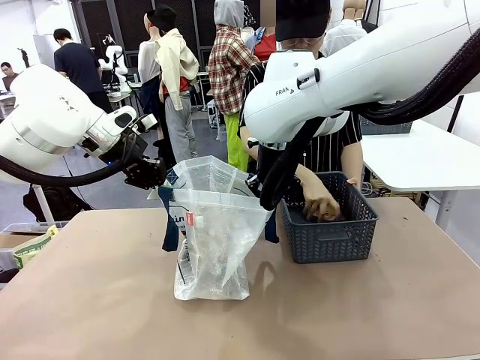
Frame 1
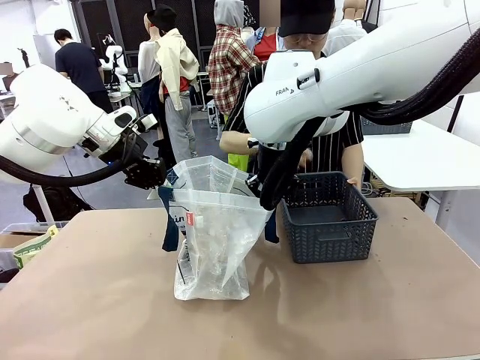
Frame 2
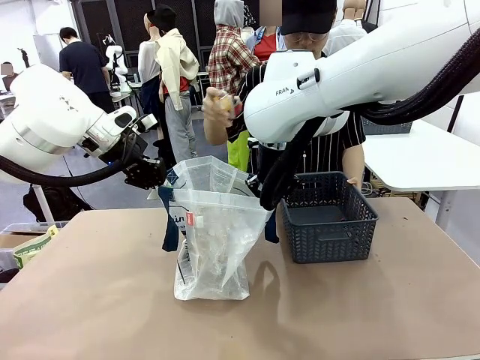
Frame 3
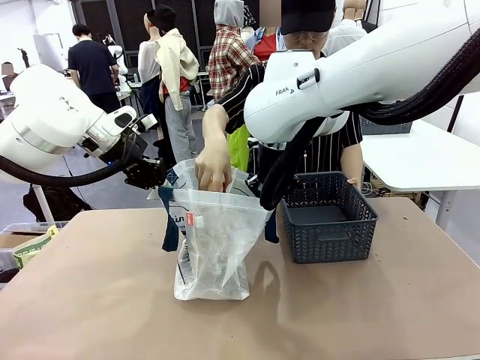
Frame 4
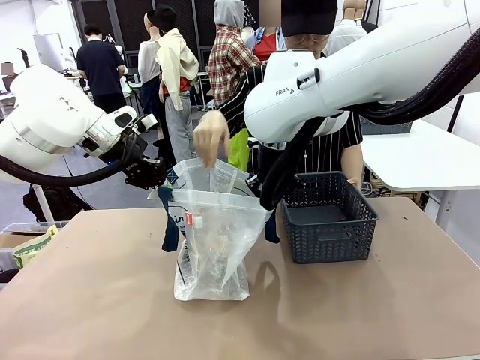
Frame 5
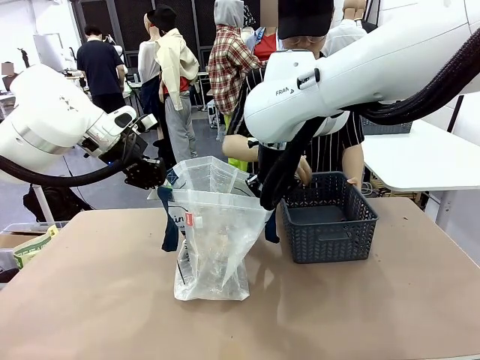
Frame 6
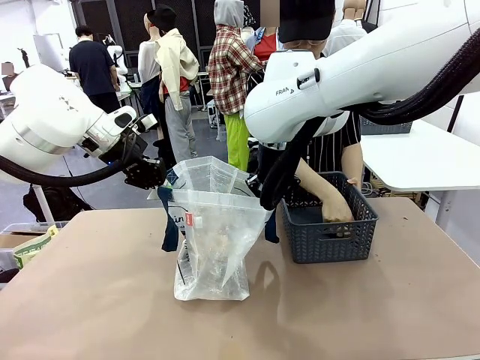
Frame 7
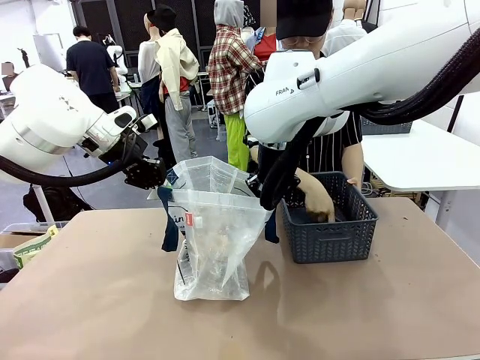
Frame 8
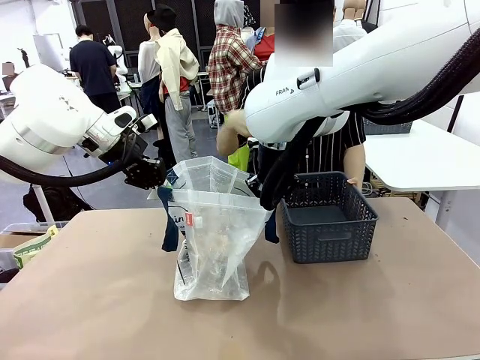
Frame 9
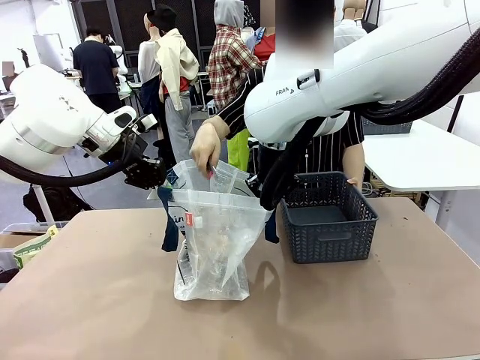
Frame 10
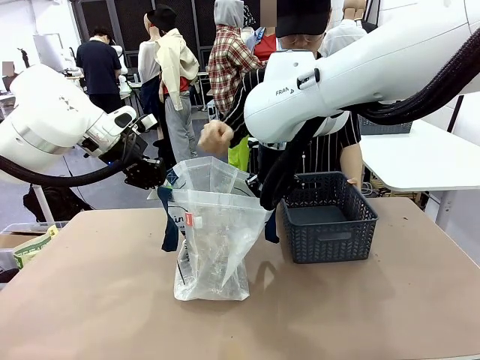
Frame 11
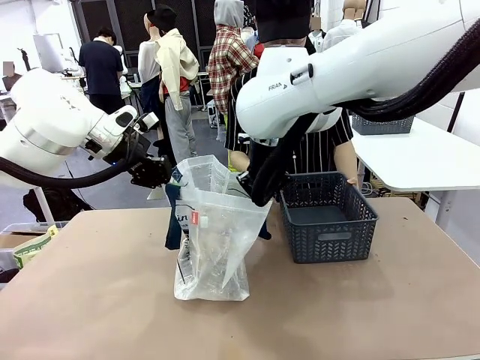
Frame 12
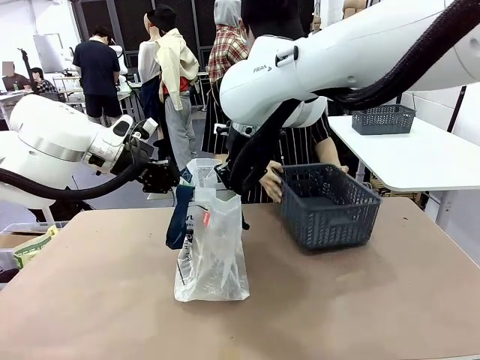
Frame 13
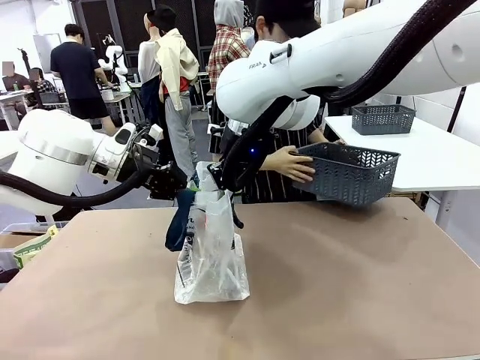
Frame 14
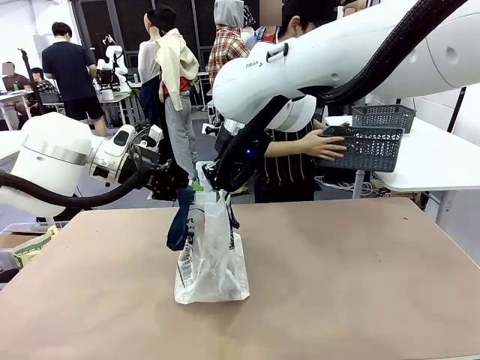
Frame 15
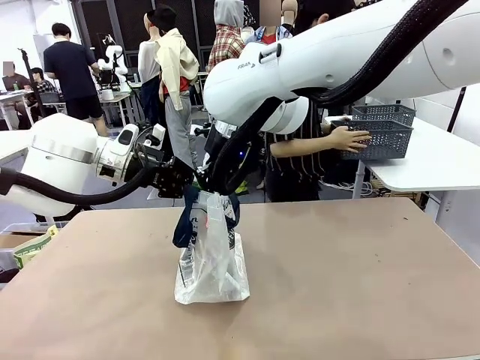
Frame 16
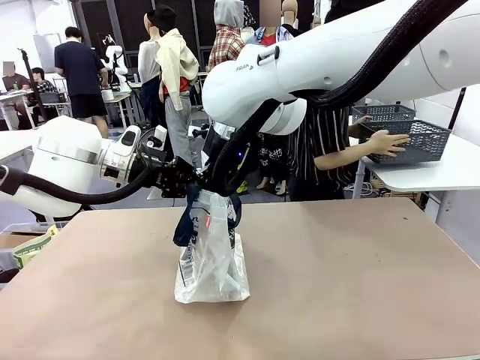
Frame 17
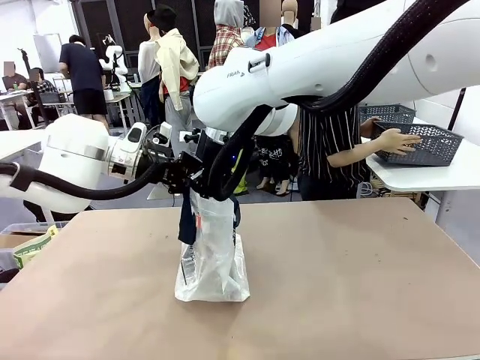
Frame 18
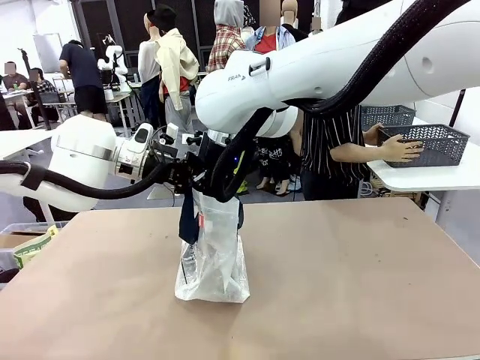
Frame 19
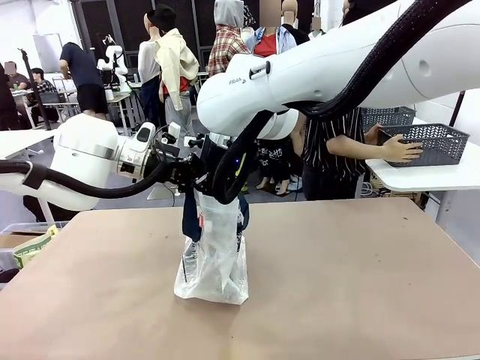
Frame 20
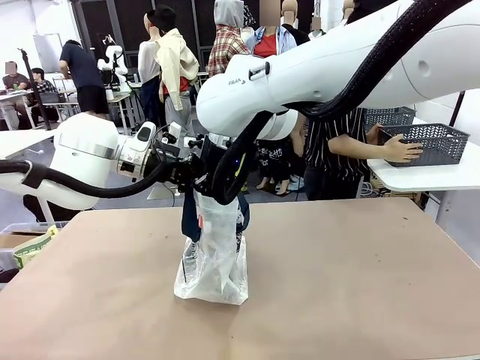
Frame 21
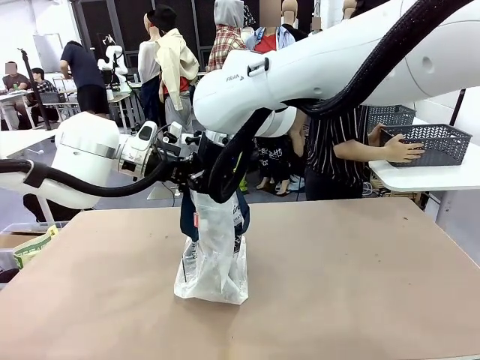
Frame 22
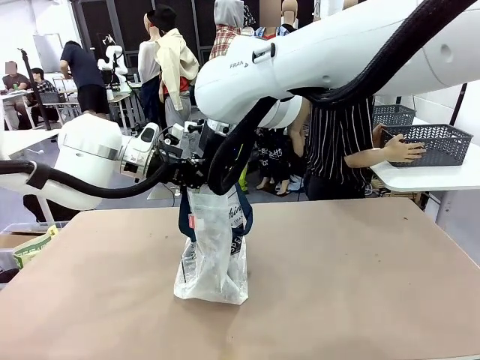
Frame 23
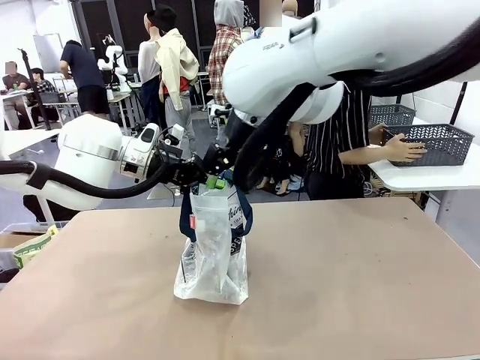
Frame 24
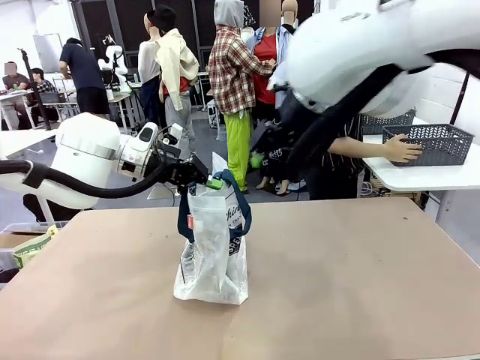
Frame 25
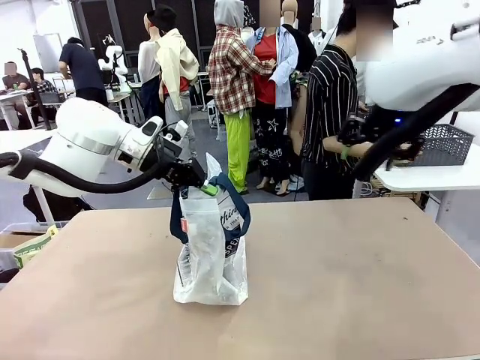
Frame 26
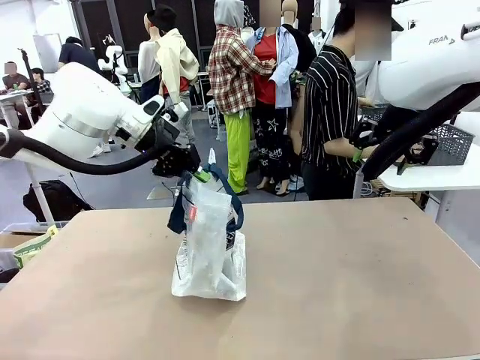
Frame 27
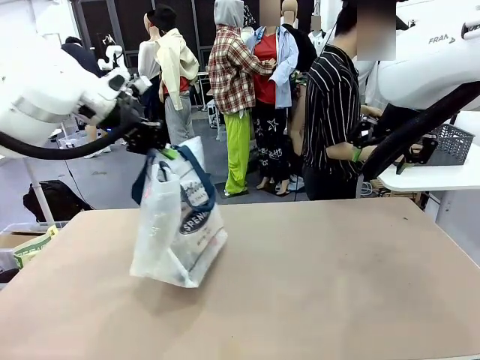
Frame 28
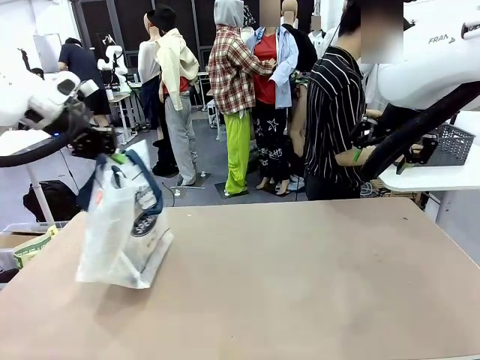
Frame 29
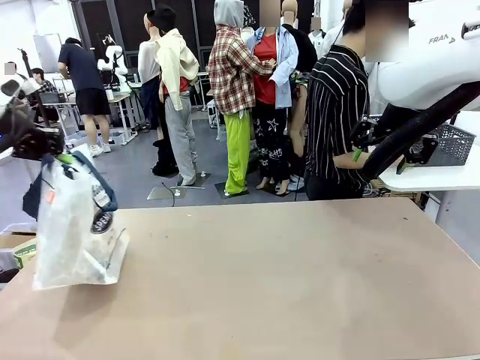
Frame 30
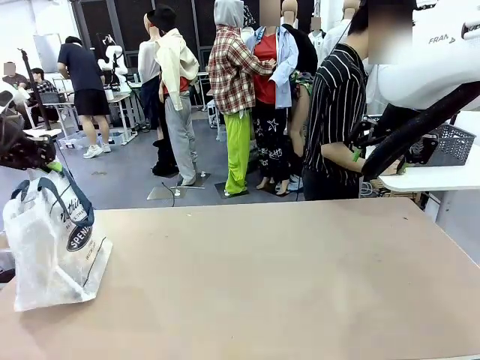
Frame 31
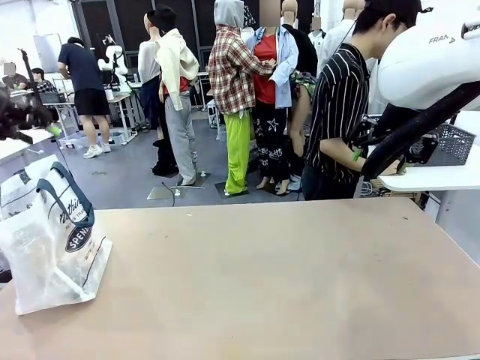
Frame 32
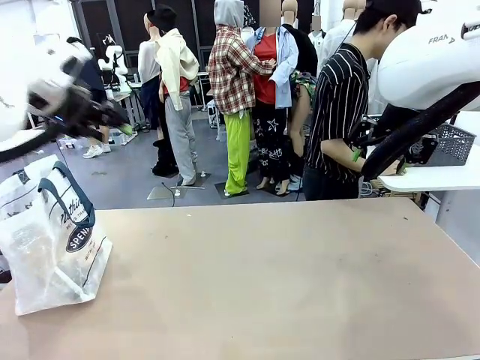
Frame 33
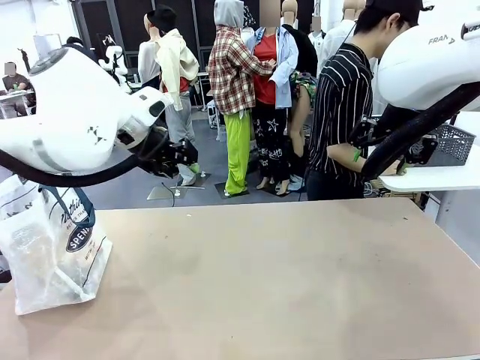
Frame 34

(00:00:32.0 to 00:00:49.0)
Task: Transfer purchased items from the store into the shopping bag.
Robot: Move the Reusable shopping bag to the right side of the table.
Person: Move the basket on the left to the middle of the person's table.

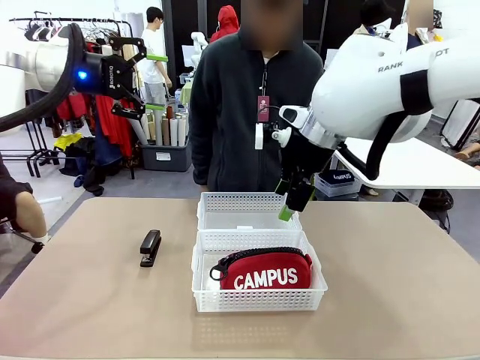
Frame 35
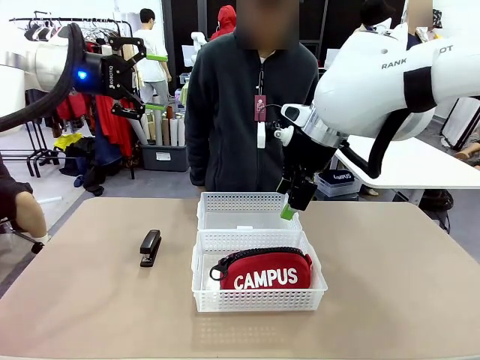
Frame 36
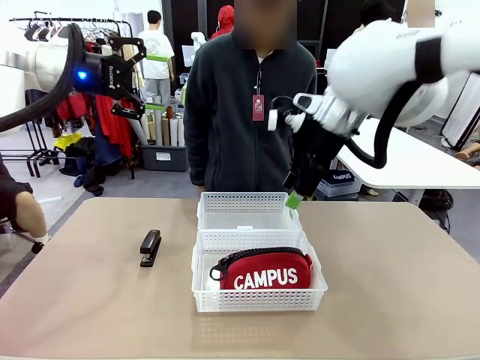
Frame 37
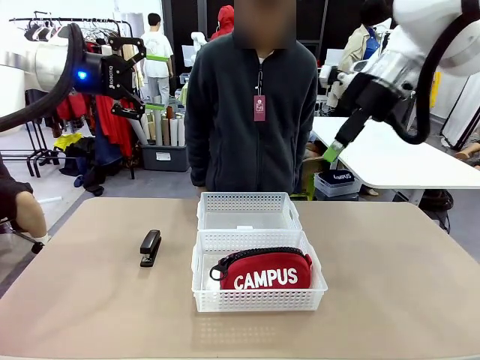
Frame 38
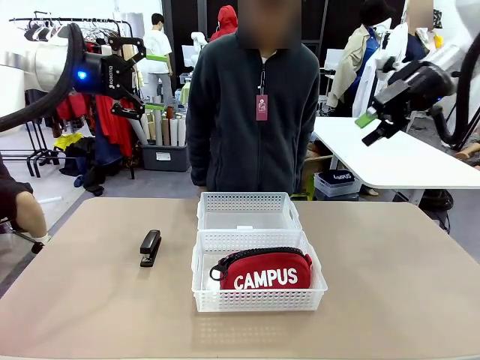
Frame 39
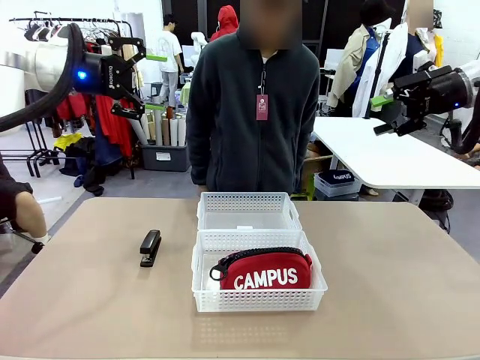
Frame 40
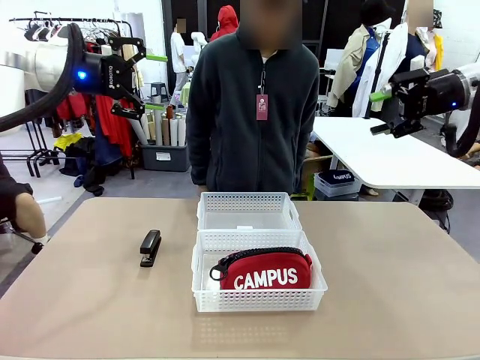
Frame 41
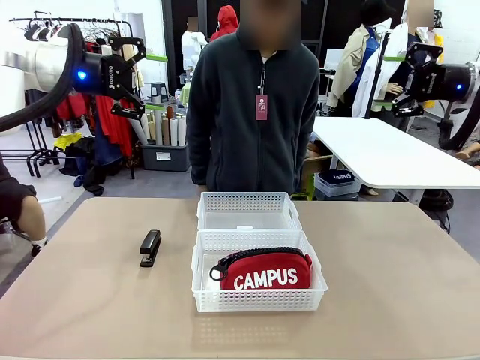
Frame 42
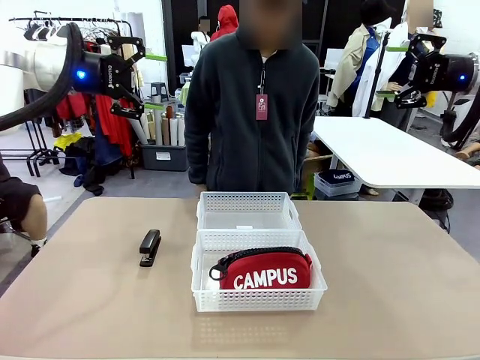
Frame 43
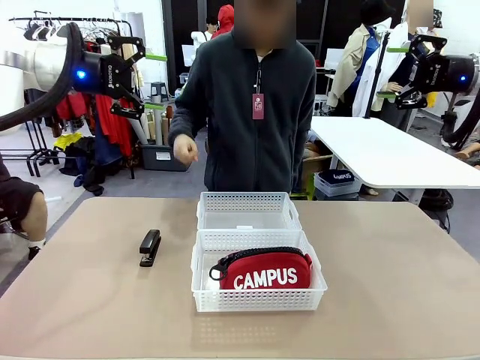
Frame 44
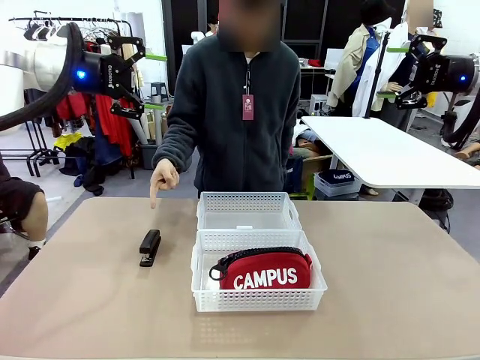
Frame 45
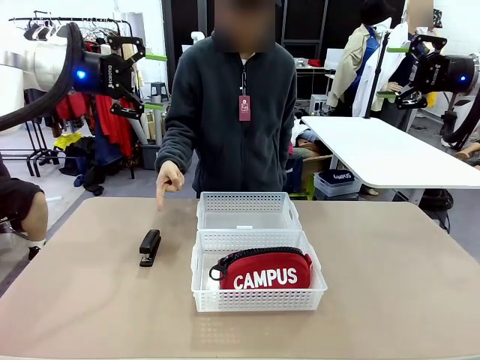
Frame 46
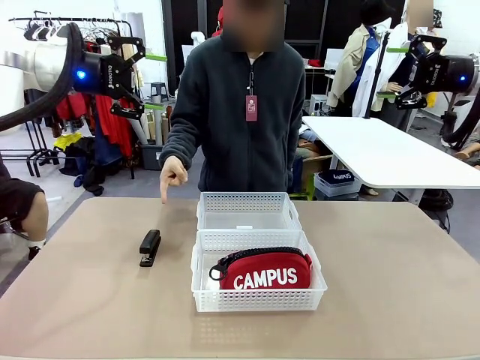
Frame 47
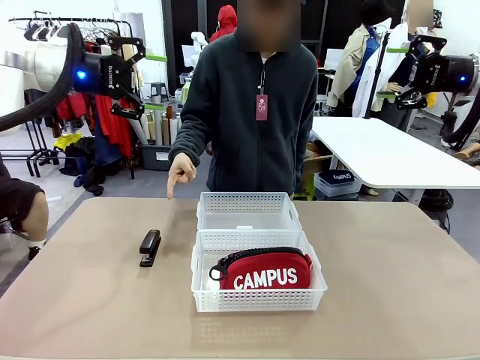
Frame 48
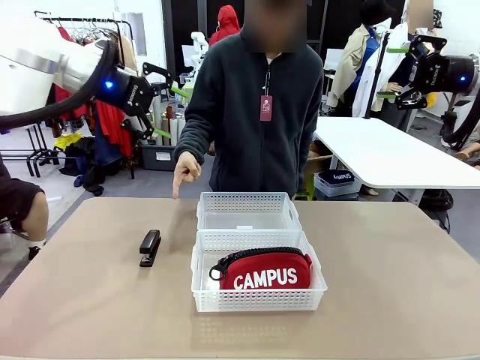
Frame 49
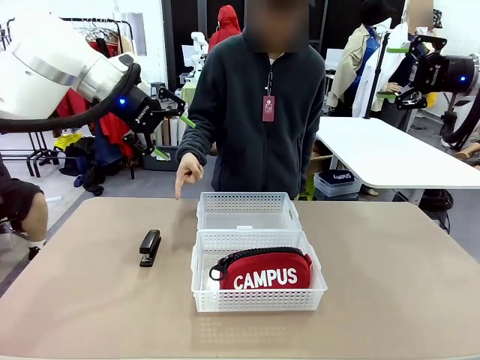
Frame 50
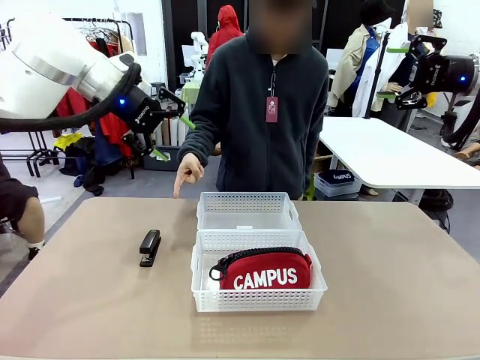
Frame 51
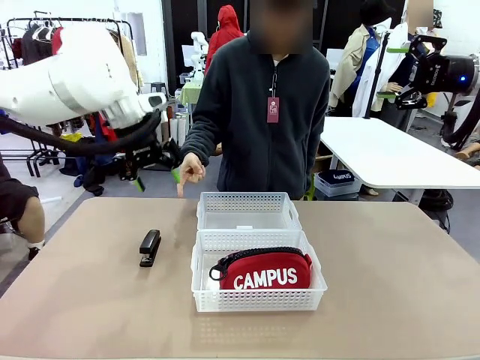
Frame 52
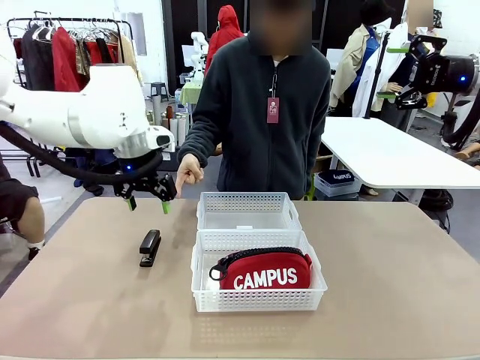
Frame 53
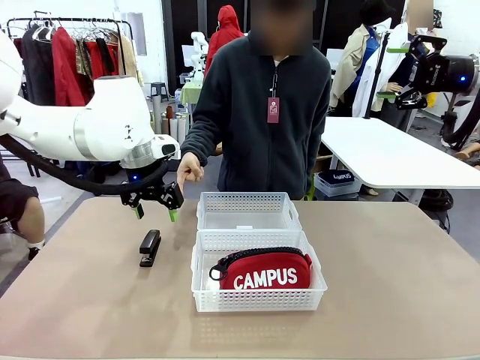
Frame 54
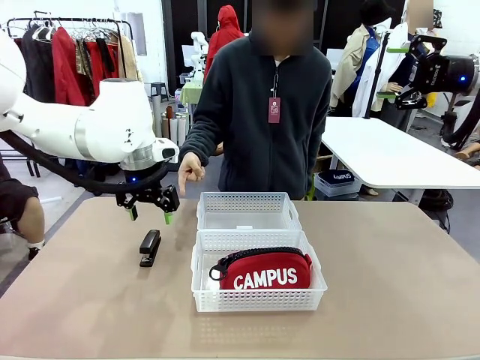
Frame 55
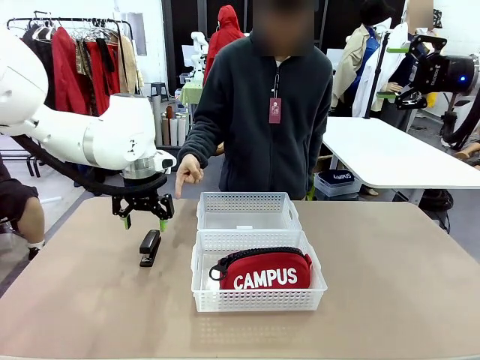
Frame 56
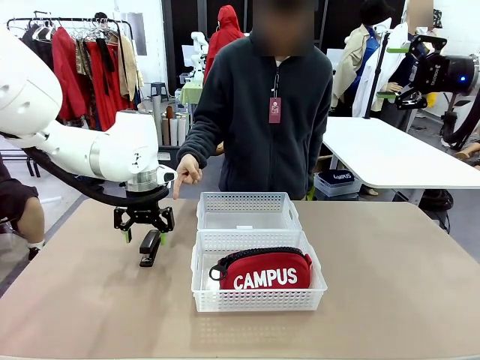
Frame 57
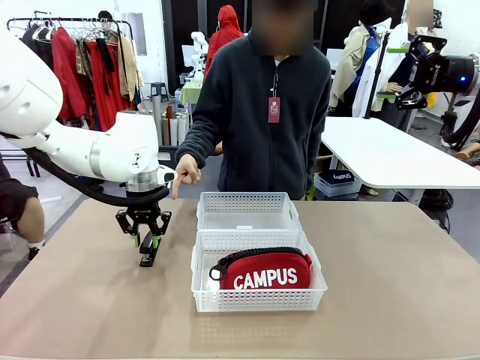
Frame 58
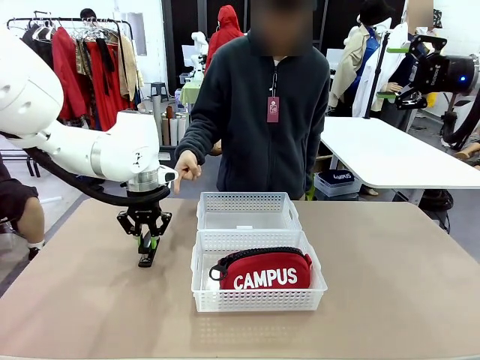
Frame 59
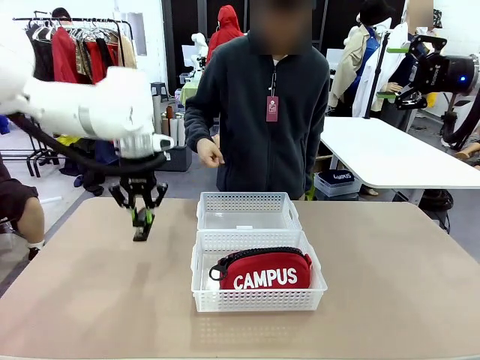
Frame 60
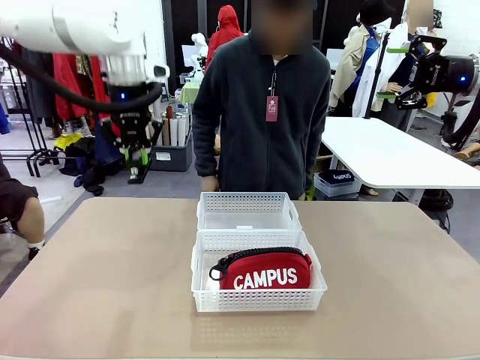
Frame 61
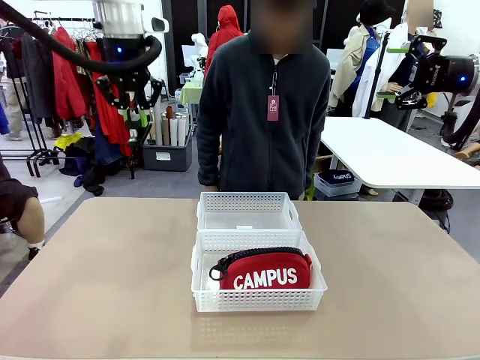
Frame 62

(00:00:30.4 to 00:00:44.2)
Task: Distribute items into two baskets.
Robot: Pick up the Stapler that the person points to.
Person: Points to the stapler.
